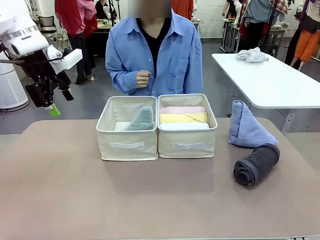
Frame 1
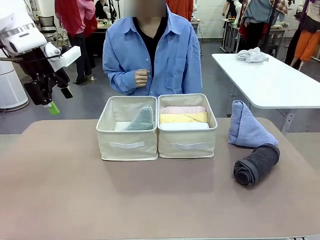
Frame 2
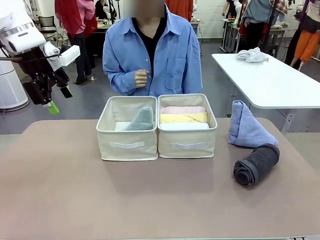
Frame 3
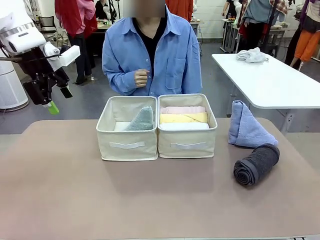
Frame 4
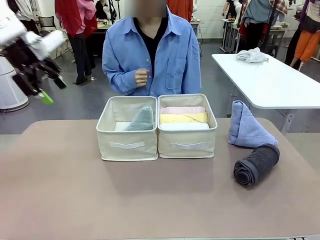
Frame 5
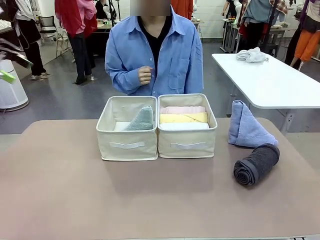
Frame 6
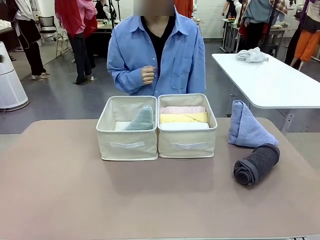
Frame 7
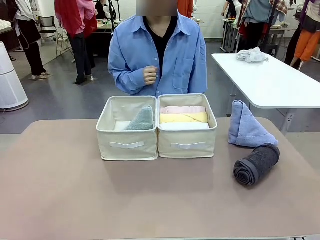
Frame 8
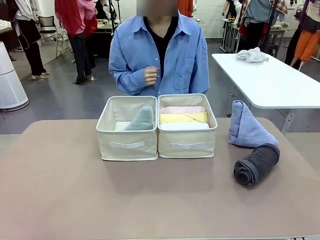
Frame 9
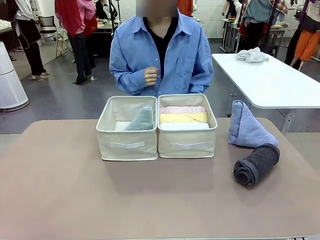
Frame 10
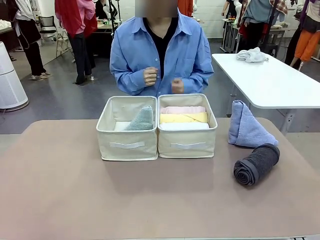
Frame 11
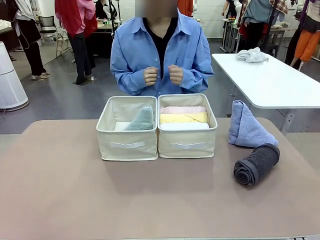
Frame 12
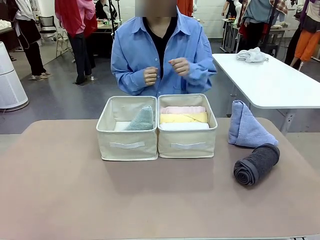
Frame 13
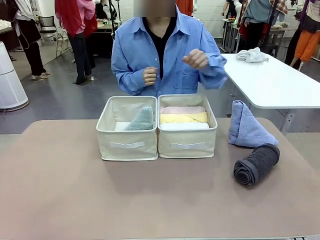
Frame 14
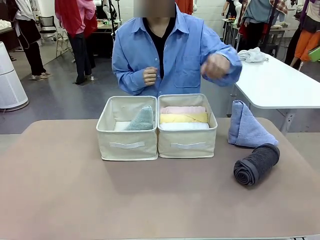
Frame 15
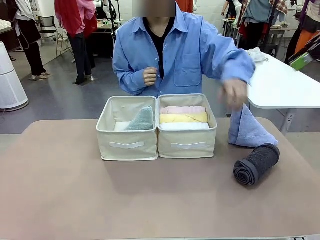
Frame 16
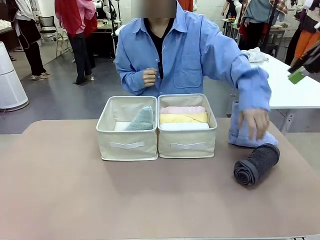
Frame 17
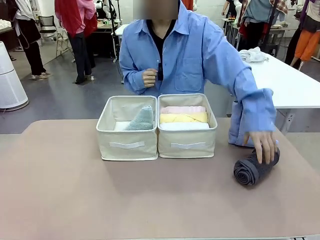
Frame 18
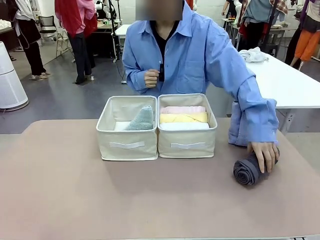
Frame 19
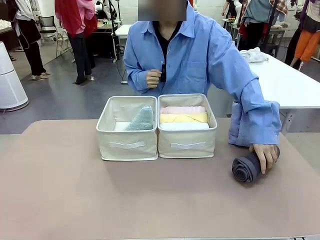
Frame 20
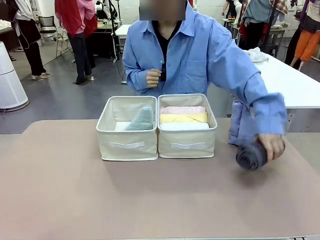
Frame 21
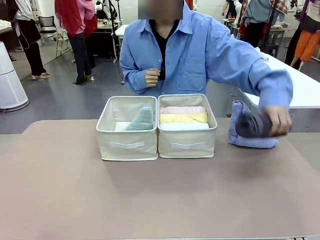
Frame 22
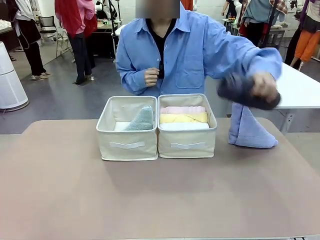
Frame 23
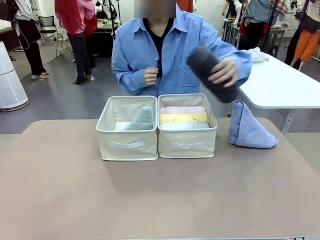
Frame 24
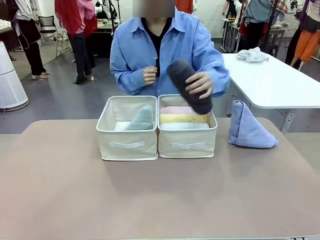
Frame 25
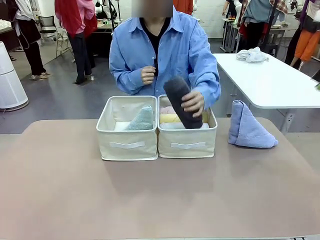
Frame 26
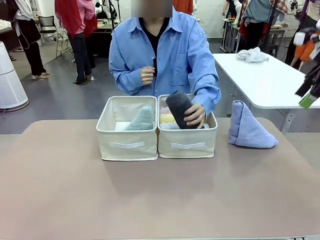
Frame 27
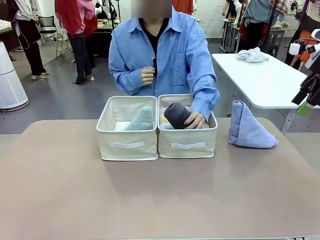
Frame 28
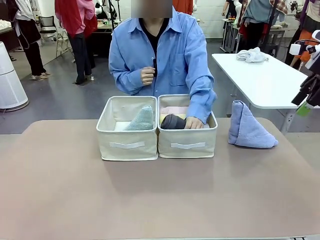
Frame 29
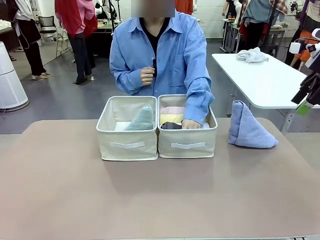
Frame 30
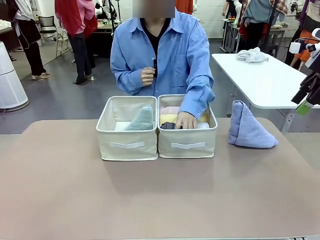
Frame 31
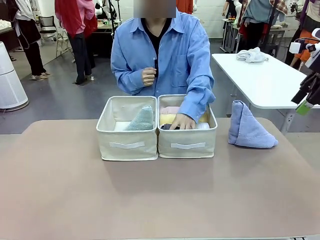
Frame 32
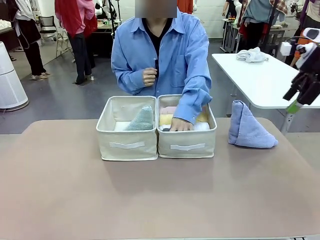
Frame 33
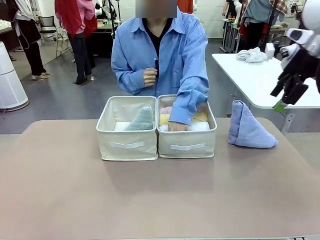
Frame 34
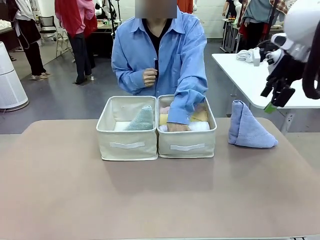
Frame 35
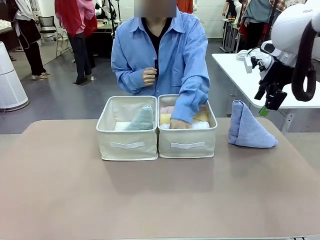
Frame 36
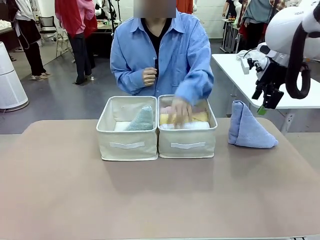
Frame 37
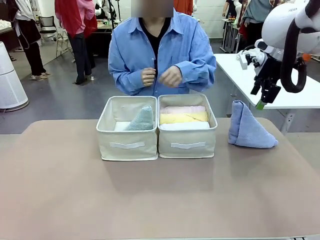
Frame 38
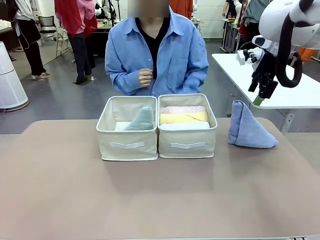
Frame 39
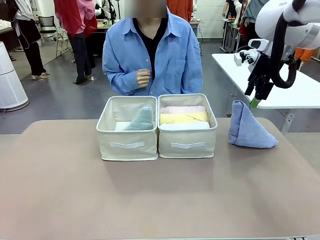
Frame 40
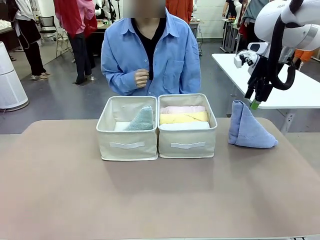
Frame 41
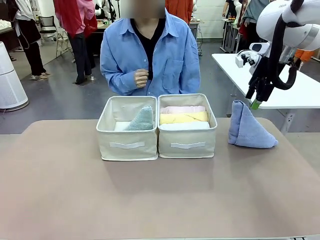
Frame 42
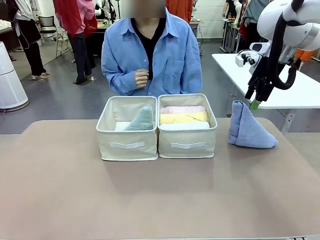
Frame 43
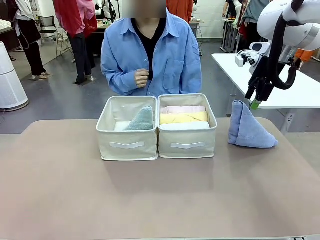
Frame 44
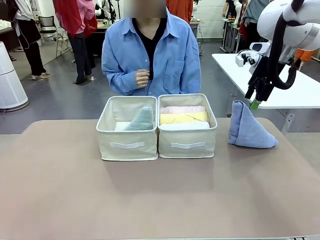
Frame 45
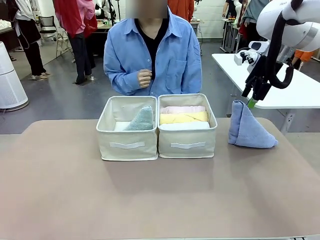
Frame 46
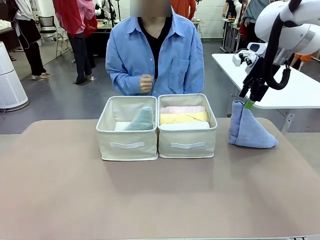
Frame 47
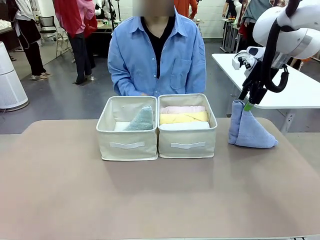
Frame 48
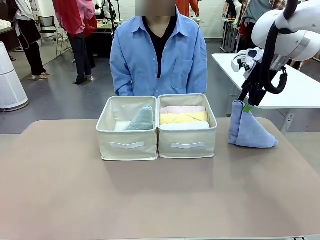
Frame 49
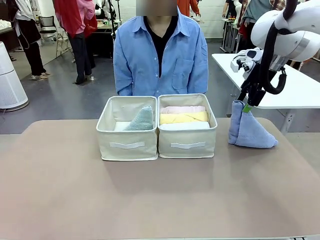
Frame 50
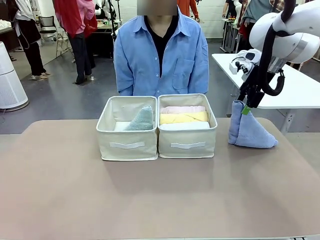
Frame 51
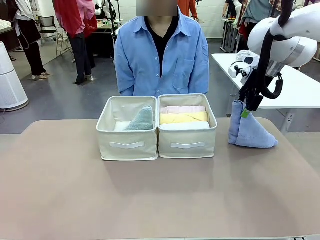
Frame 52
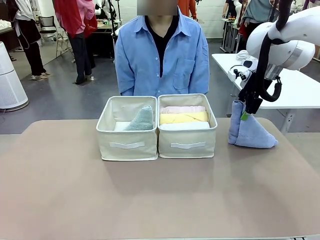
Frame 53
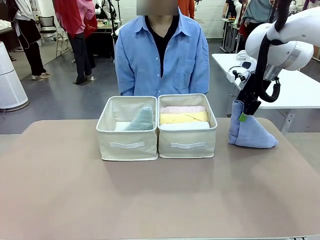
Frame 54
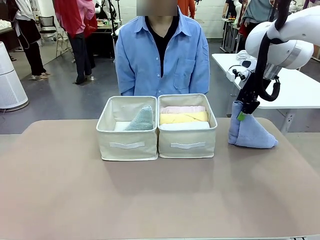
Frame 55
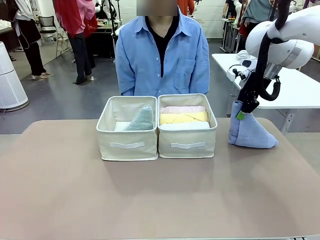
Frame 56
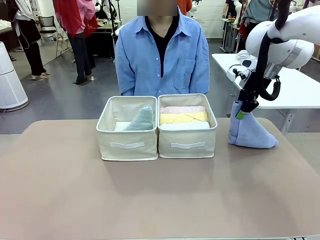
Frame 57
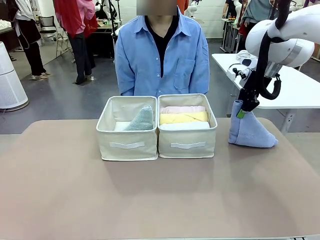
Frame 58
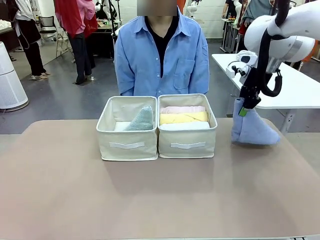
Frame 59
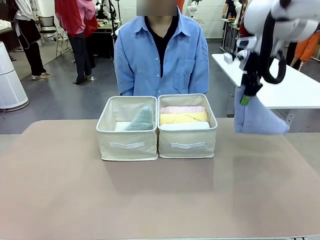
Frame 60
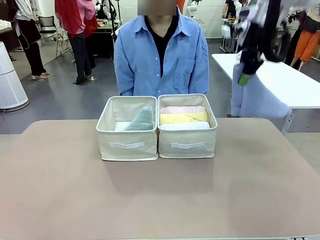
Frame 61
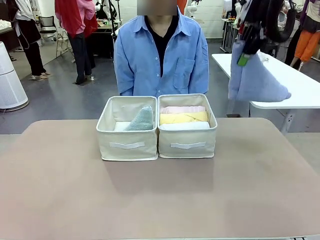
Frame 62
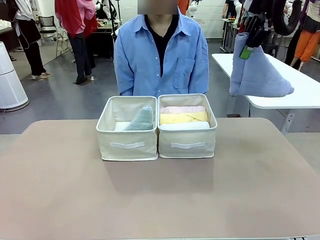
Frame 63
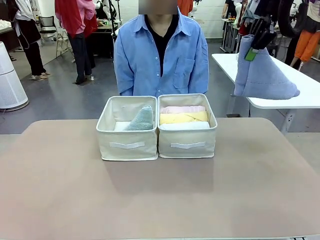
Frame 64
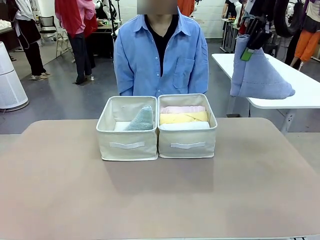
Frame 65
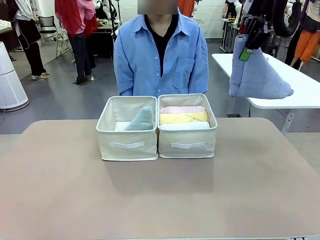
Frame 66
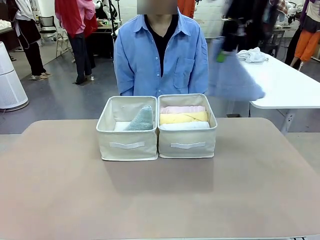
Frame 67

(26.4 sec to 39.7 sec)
Task: Sort the towels based on their folding style.
Robot: Pick up another triangle-folded towel from the table and place it in the left Fabric basket.

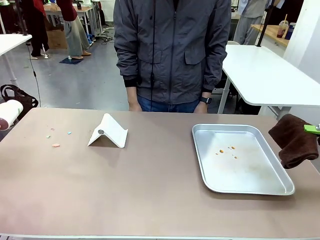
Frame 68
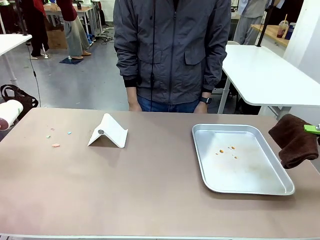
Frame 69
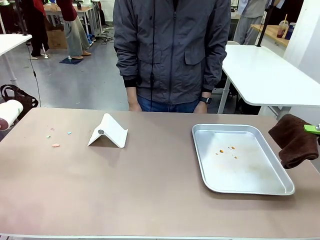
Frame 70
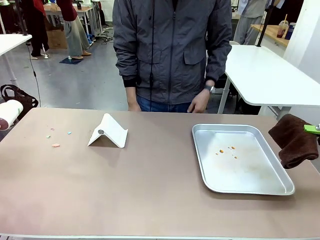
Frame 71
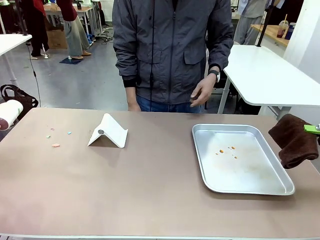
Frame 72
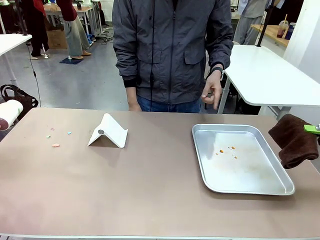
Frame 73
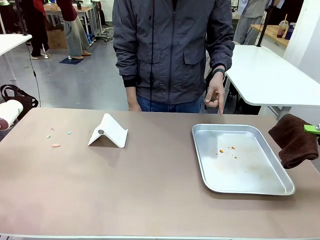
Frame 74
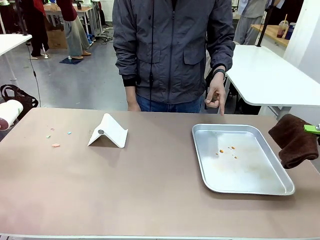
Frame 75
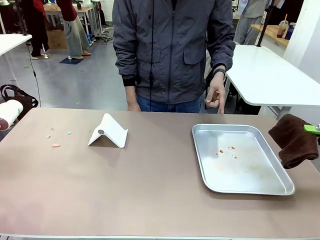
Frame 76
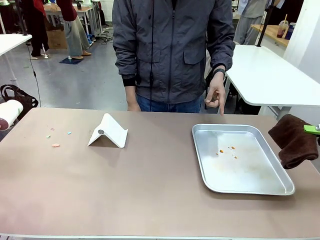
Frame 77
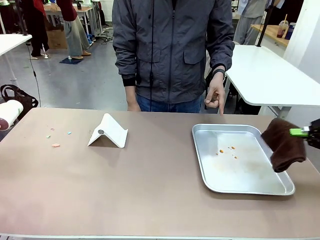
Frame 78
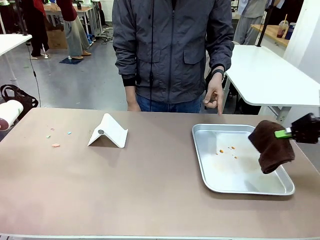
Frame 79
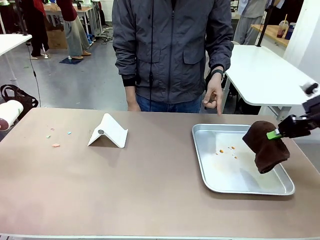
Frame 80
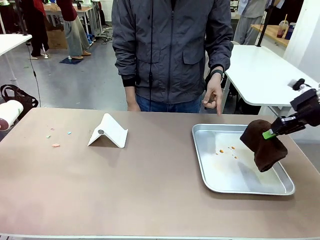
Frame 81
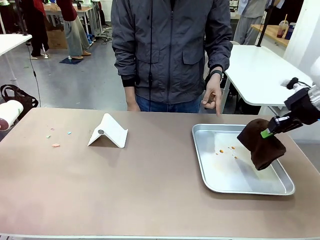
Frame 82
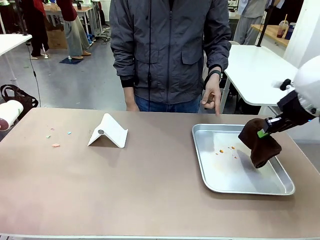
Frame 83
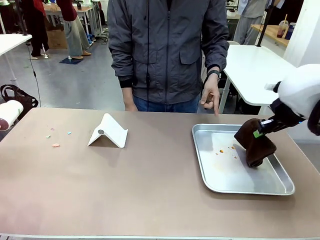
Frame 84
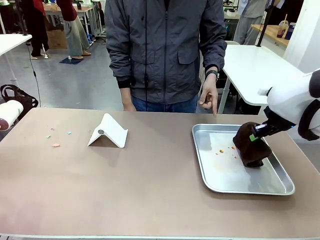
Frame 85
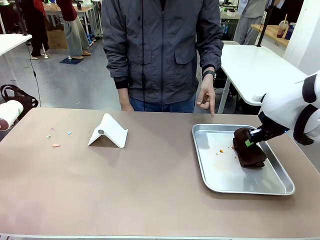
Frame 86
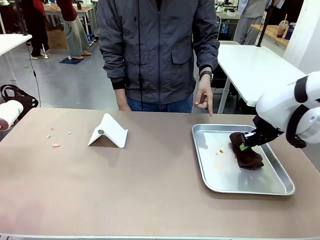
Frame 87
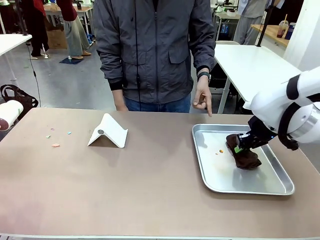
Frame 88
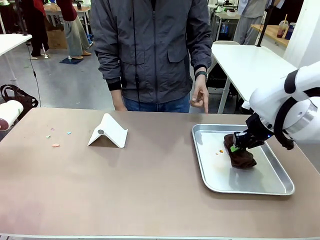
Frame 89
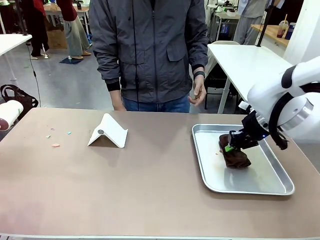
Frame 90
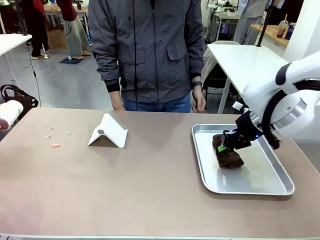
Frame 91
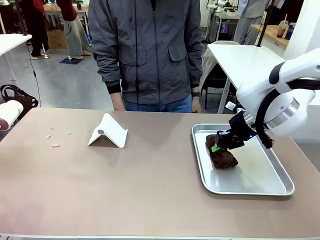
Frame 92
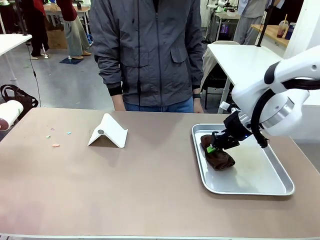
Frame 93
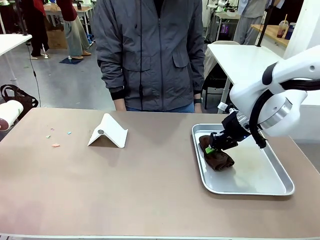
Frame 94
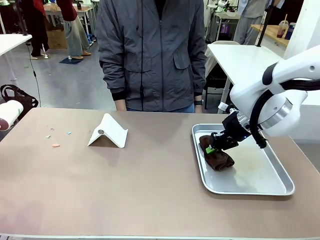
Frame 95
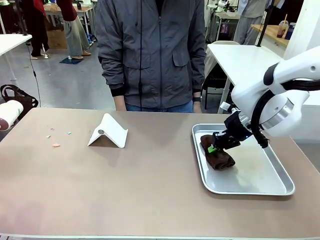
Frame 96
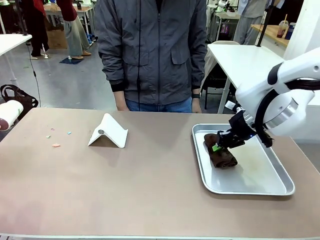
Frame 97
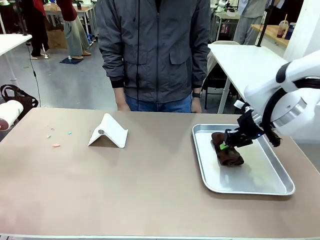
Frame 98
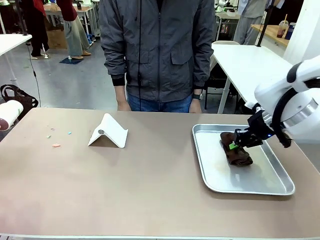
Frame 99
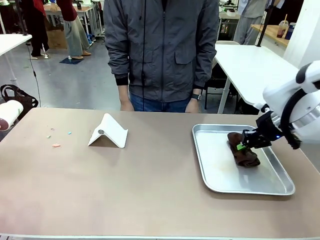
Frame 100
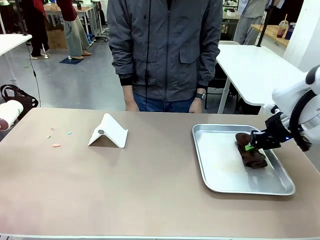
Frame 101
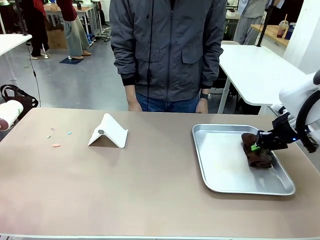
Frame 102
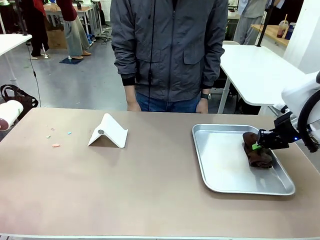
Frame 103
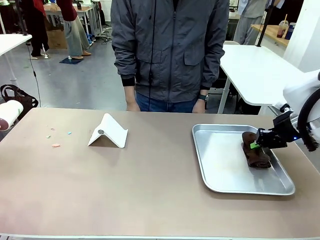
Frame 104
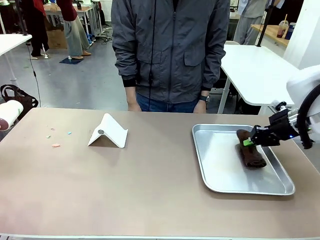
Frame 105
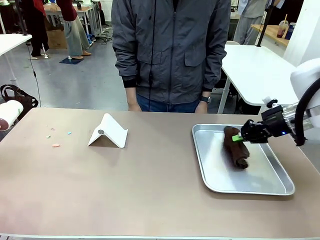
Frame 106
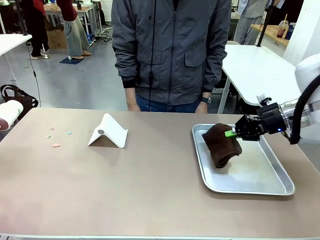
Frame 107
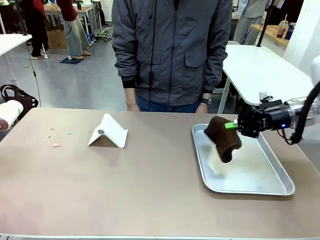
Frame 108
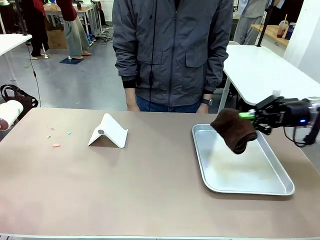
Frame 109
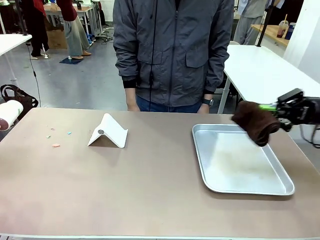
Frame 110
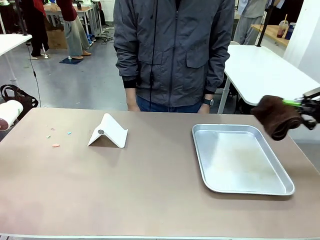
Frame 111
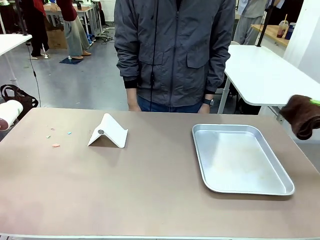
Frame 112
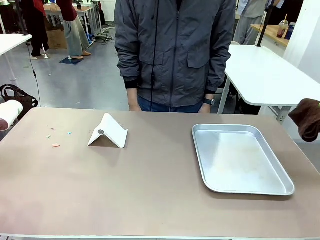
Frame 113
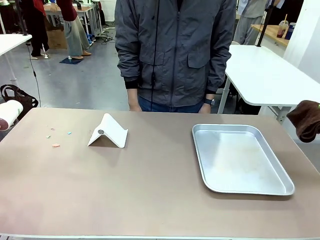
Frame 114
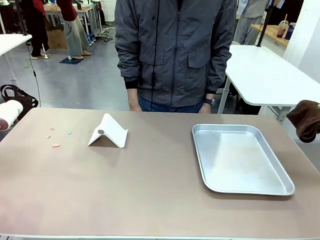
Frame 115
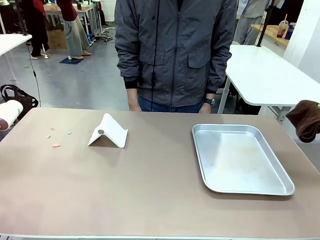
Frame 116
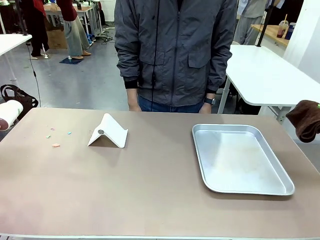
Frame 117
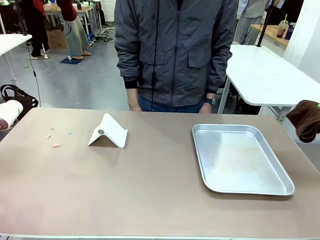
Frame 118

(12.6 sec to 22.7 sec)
Task: Clean the surface of the table.
Robot: If a person points to the right, clean the right side of the table with your right hand, and if they point to the left, clean the left side with your left hand.
